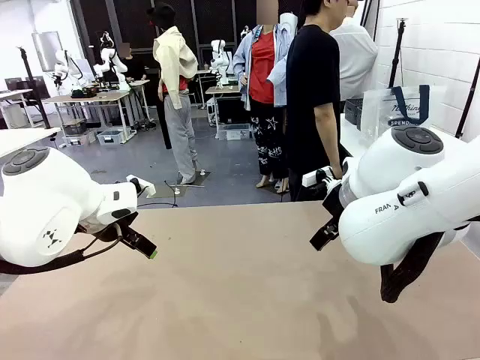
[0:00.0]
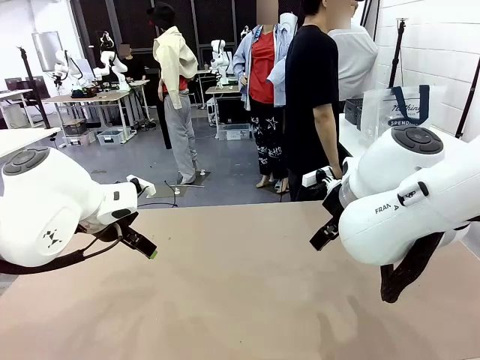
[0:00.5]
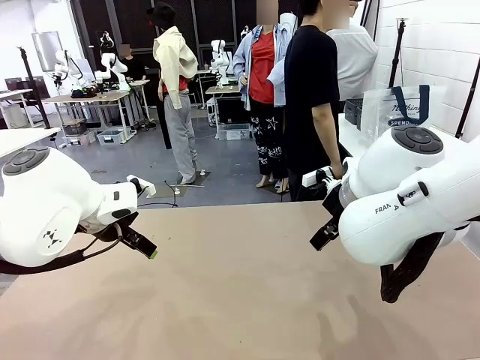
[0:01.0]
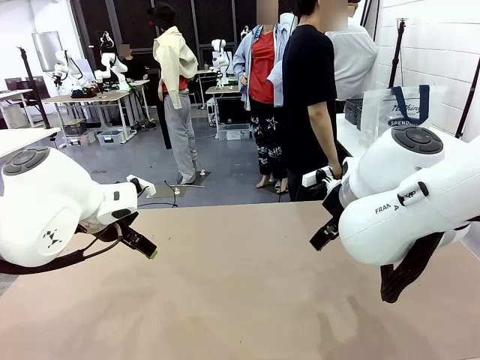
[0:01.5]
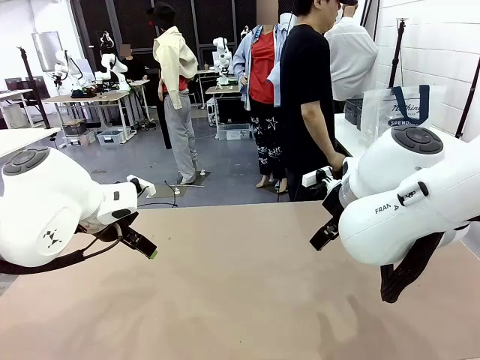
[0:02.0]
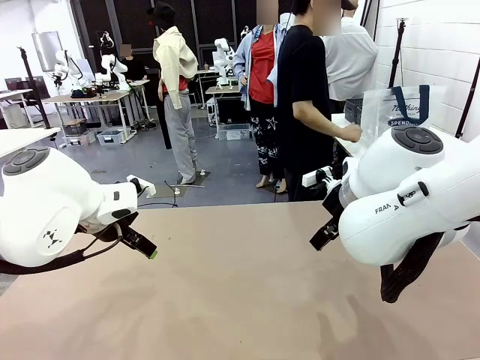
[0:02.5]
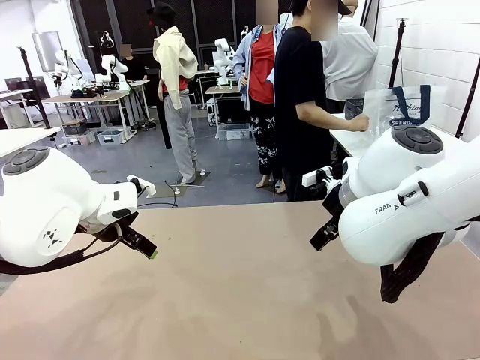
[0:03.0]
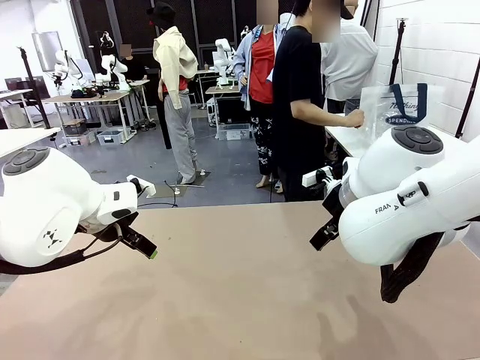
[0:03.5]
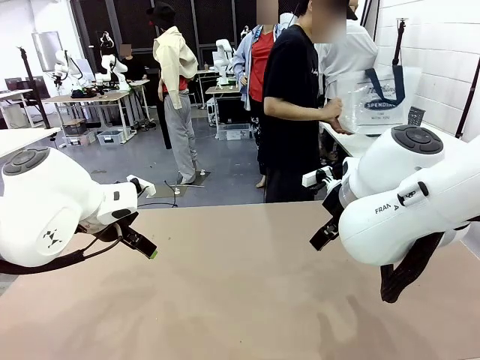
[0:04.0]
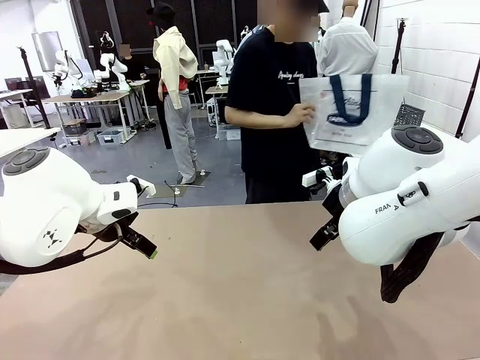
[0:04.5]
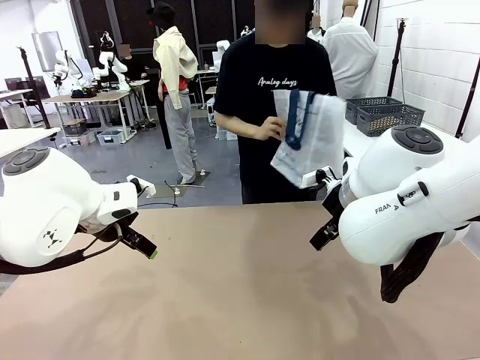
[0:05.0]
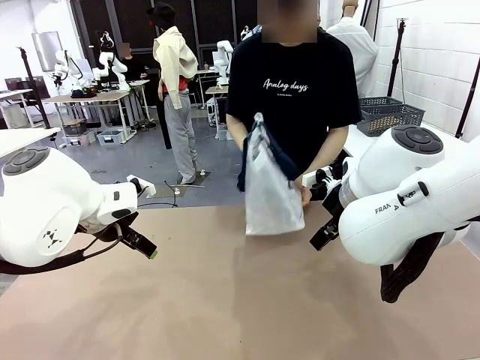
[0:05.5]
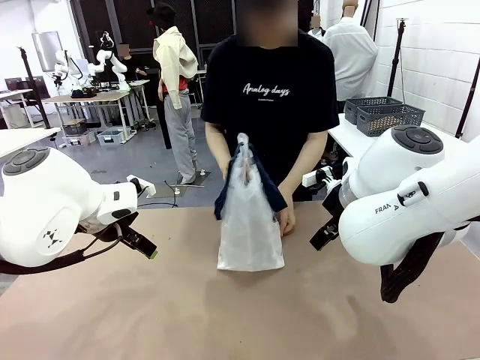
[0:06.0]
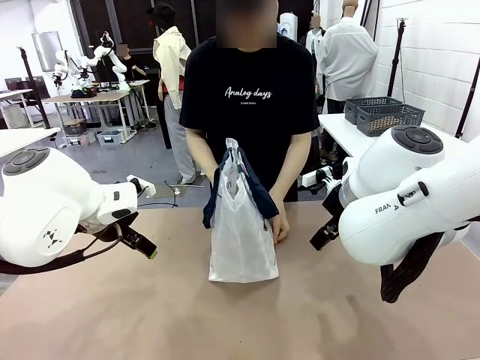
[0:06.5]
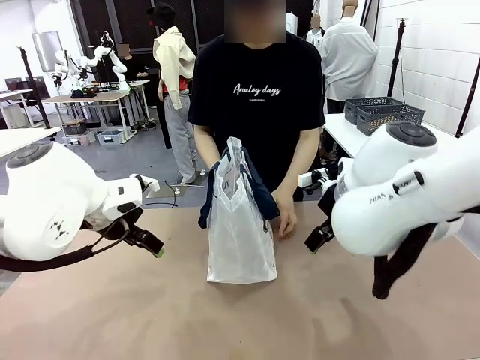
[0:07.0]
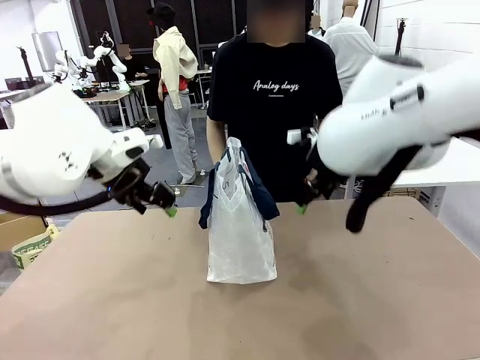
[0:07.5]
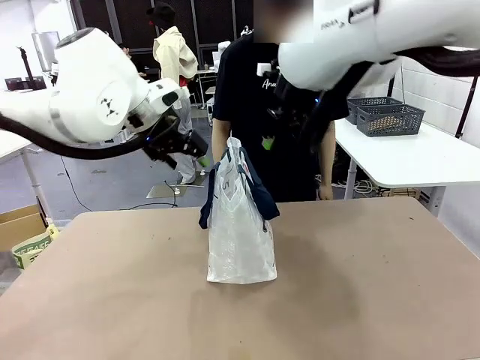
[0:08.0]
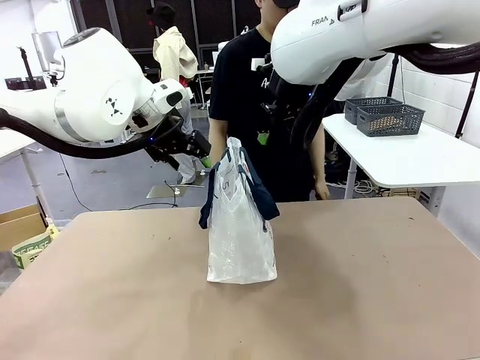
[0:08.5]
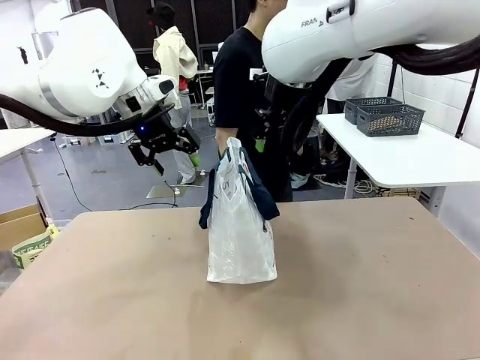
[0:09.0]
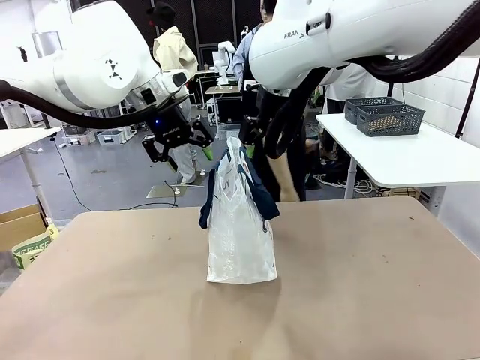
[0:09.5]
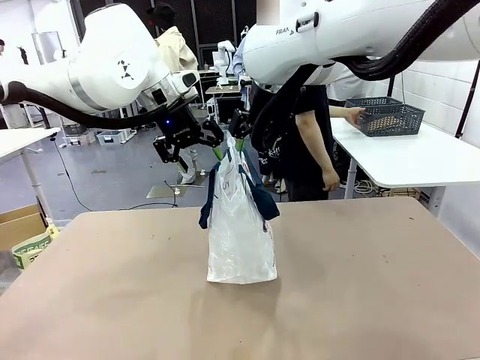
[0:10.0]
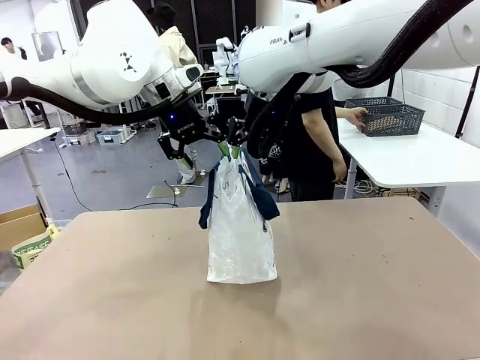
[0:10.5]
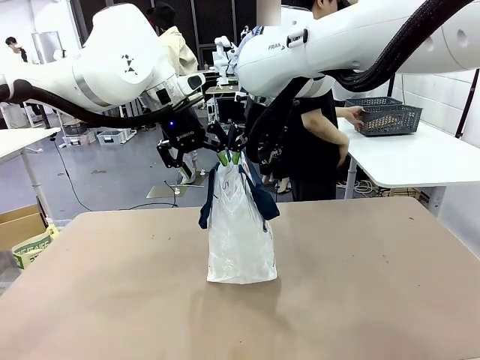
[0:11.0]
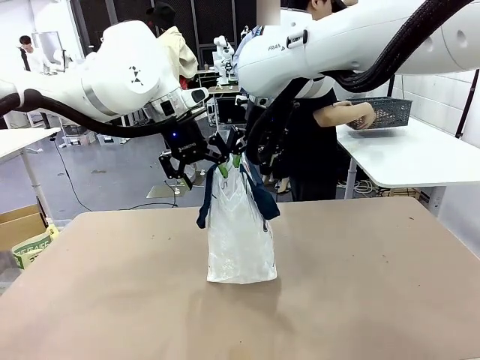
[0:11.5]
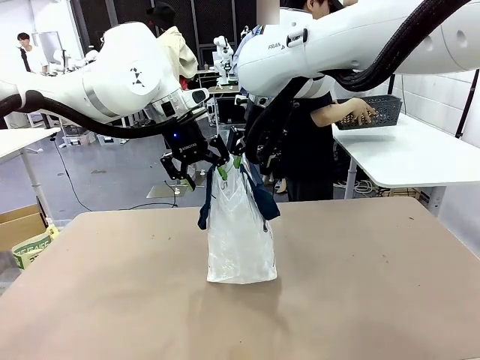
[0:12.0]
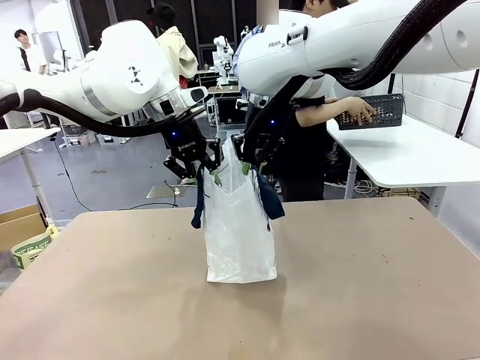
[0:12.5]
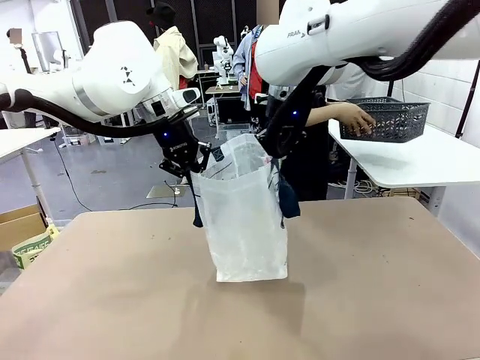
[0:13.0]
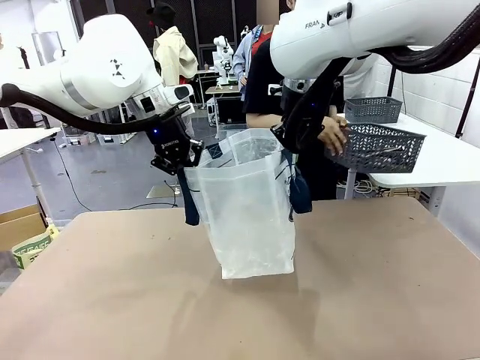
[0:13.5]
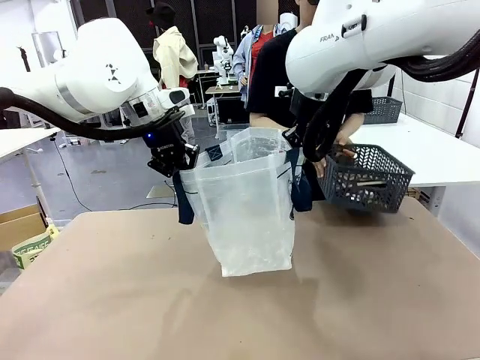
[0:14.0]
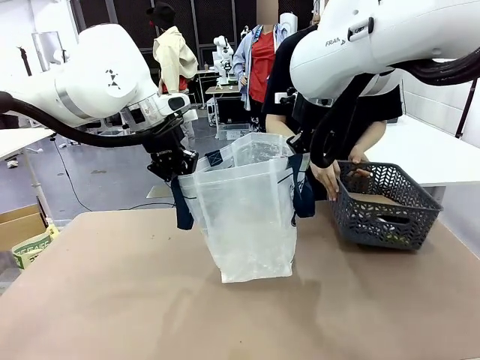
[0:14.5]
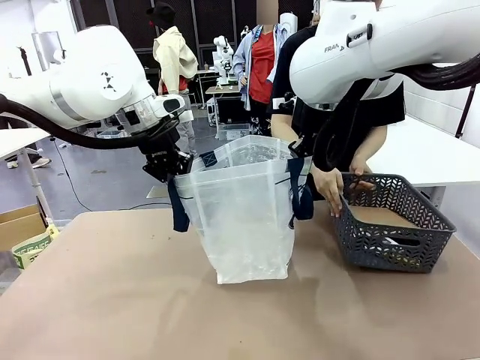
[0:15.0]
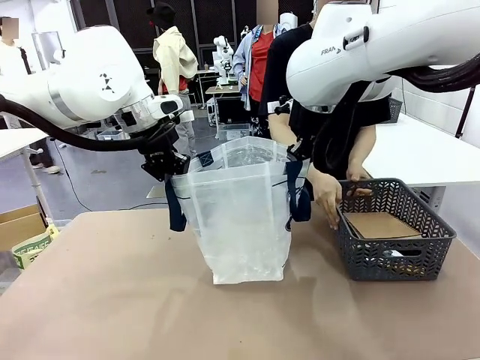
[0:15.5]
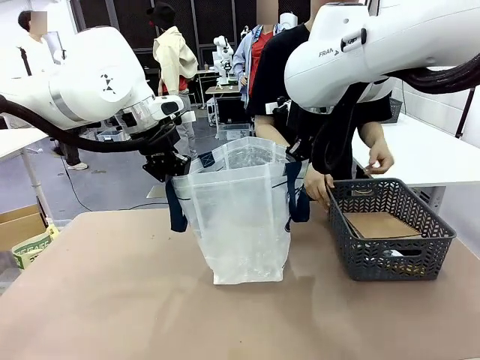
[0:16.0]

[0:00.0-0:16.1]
Task: Transfer purchased items from the store into the shopping bag.
Robot: Open the Reusable shopping bag in the center of the table.
Person: Pick up the shopping bag and place it in the middle of the robot table.
